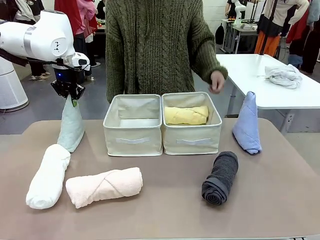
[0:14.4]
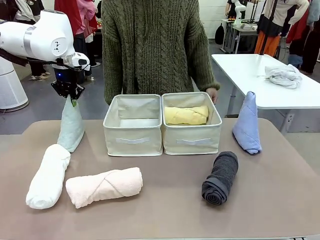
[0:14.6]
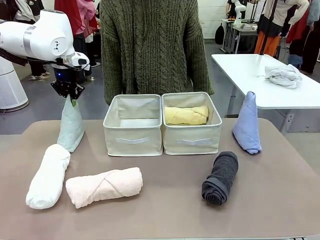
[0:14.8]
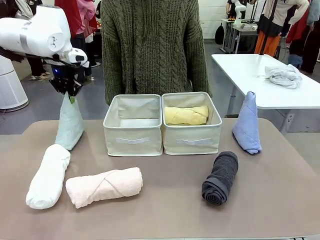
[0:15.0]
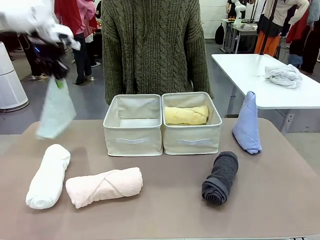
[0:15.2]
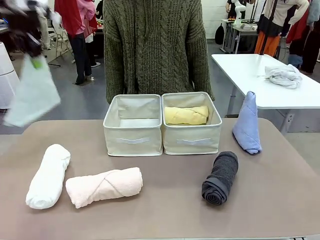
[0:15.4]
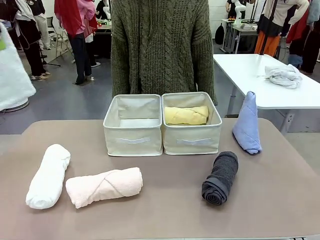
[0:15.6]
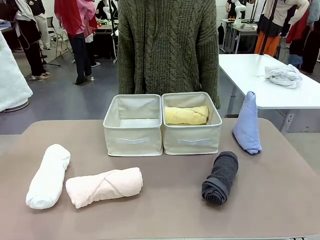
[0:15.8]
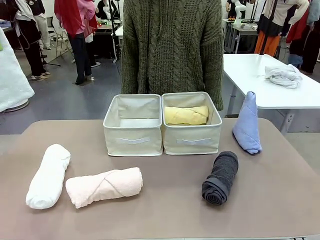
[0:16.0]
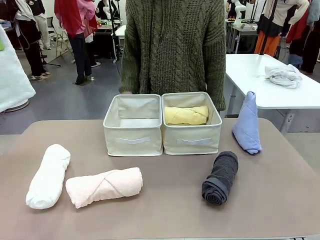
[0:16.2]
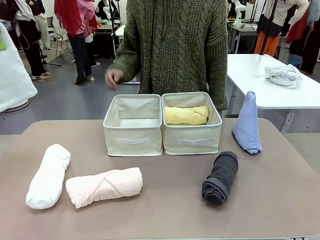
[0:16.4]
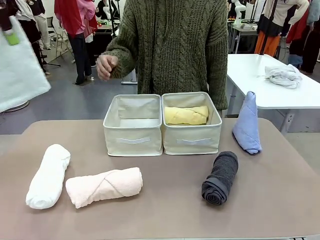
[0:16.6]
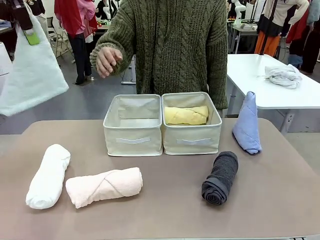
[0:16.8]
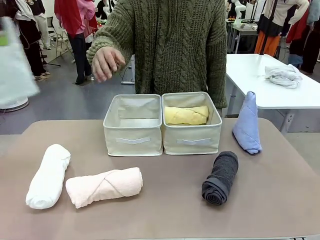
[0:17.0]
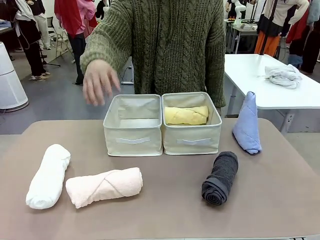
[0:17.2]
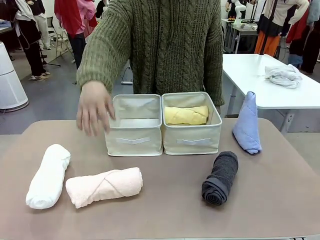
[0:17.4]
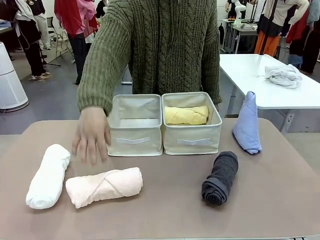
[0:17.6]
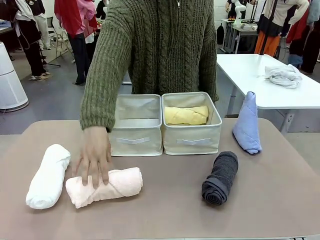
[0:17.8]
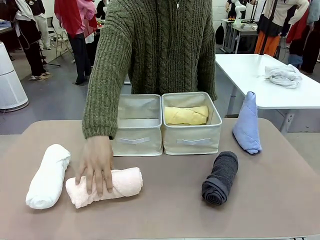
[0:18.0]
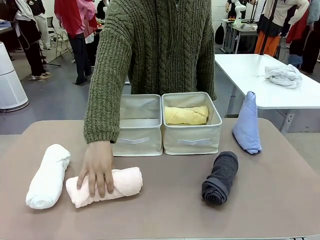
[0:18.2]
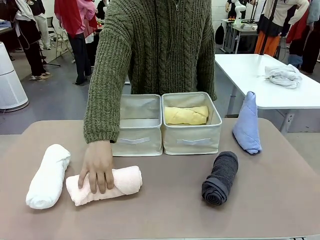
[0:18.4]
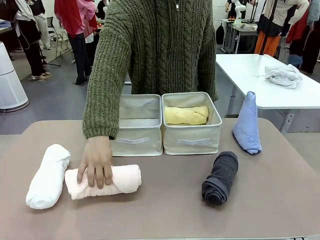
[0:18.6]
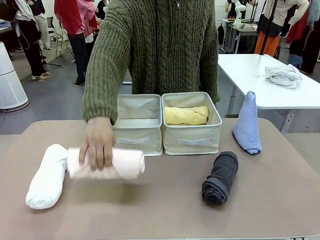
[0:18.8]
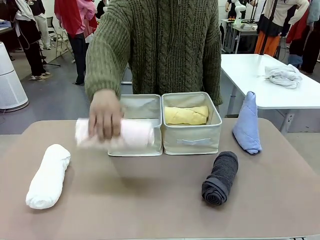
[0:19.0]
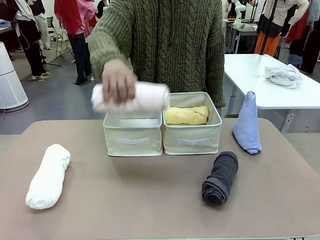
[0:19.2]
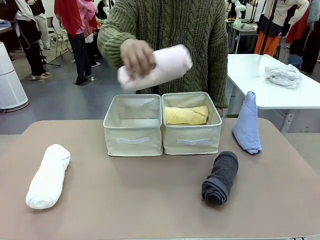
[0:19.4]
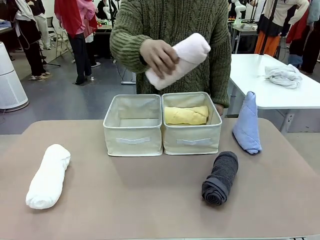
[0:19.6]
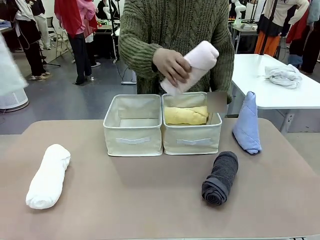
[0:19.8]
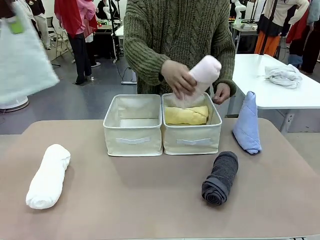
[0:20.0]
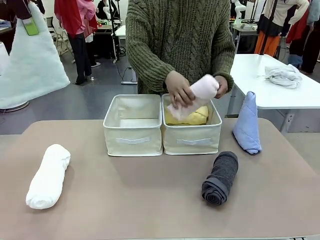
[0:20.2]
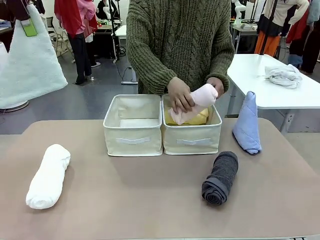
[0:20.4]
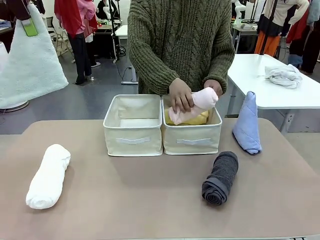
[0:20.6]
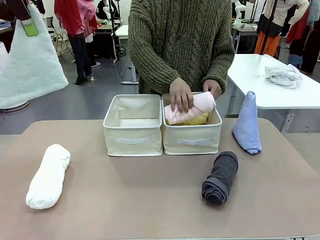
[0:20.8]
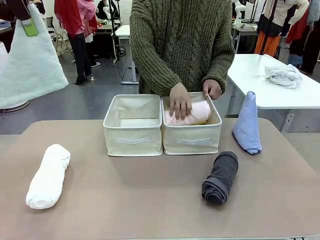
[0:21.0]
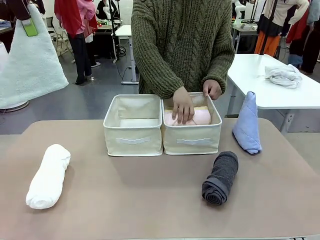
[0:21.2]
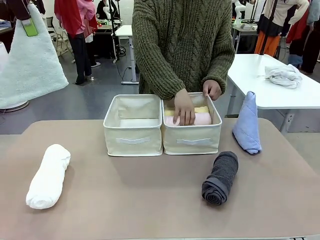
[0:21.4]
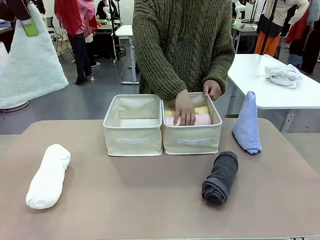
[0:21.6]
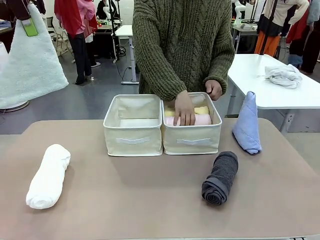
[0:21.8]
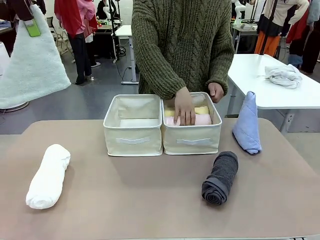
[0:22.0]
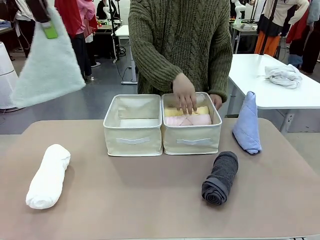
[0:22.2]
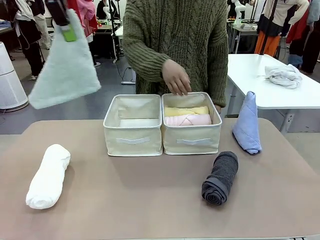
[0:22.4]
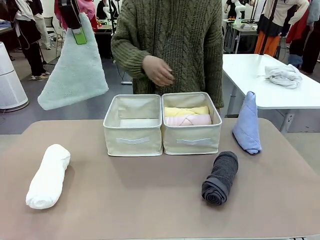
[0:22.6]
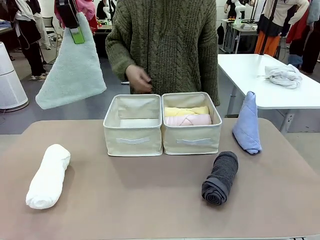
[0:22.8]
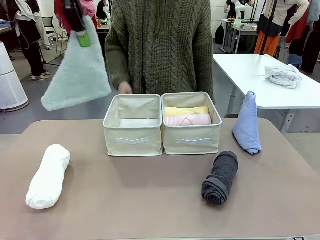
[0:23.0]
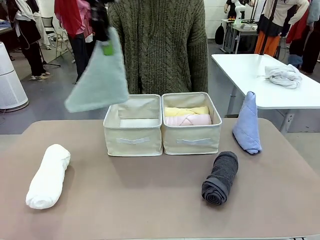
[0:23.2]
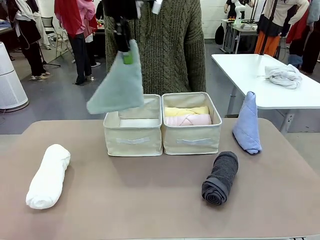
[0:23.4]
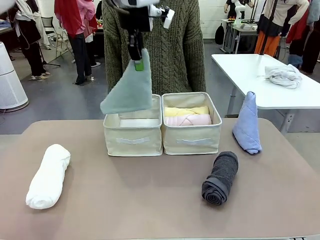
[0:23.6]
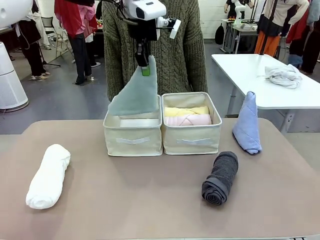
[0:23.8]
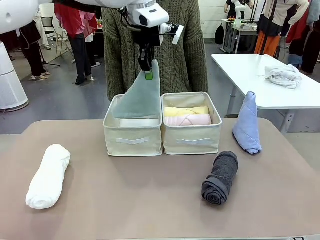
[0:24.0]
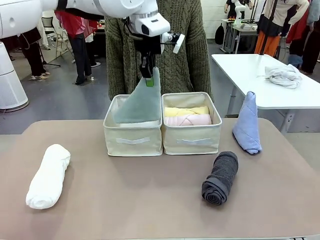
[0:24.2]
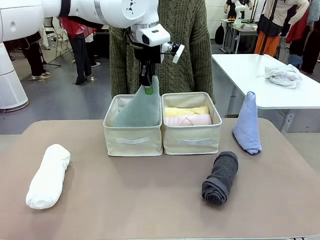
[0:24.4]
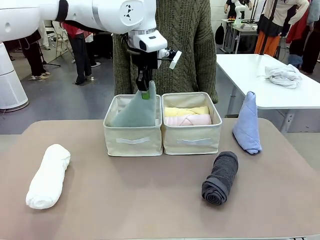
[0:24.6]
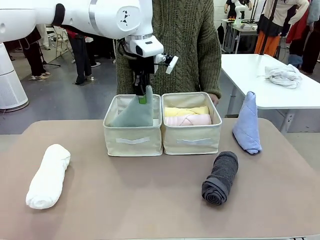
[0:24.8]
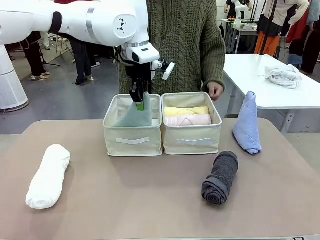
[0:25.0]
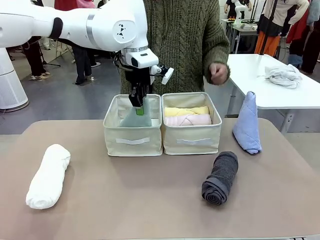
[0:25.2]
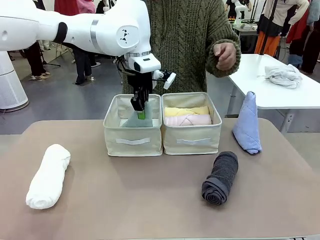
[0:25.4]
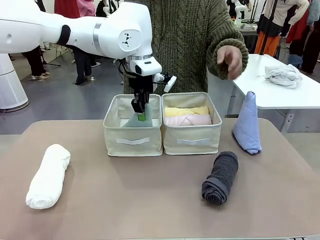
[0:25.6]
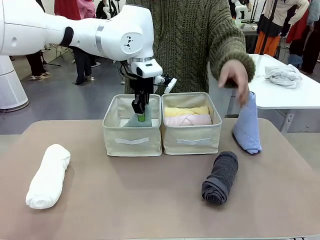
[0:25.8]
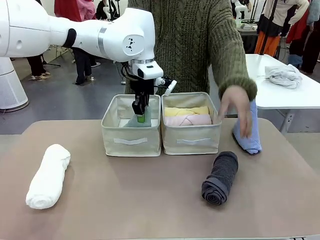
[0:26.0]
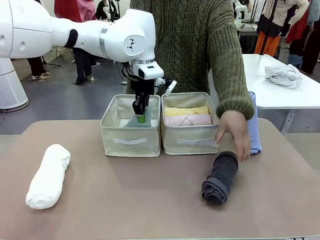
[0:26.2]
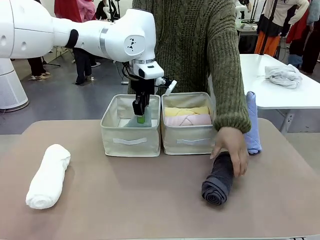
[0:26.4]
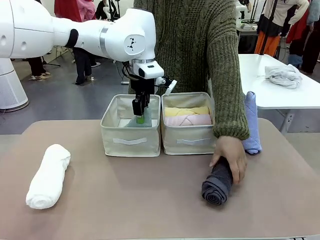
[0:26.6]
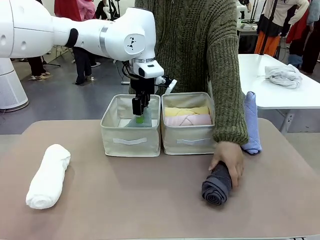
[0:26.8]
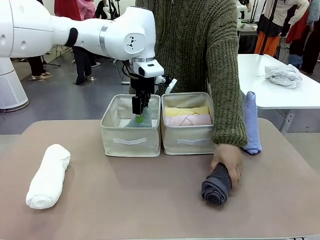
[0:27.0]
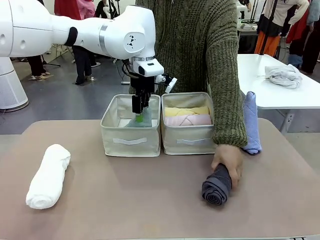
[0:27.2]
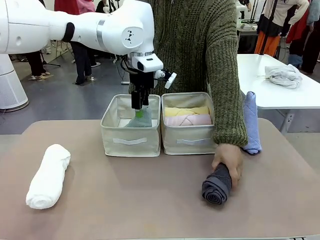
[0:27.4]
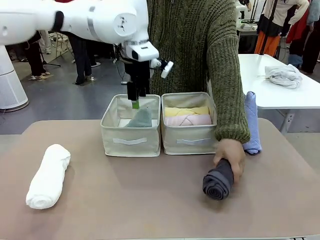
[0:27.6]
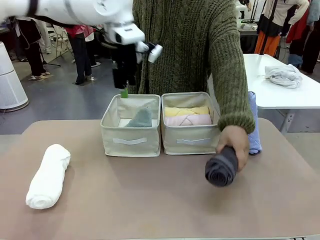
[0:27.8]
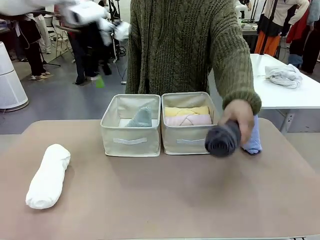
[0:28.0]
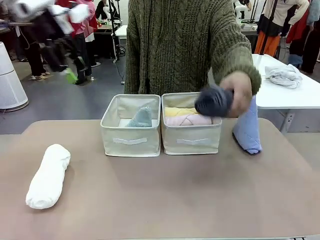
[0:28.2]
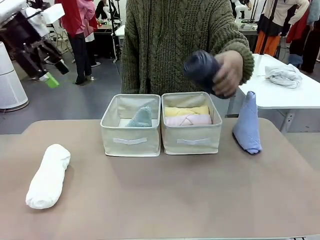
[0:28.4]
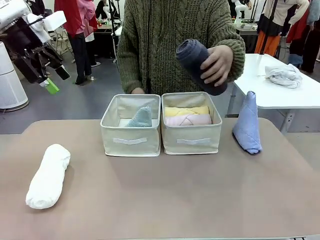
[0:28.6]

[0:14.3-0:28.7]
Task: Sort the towels based on their folding style.
Robot: Pick up one triangle-folded towel and place it in the left Fabric basket.
